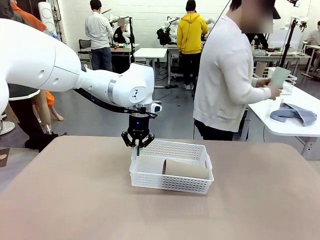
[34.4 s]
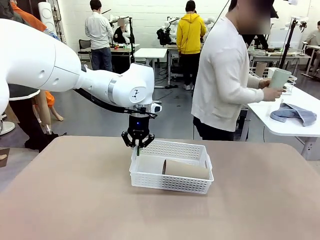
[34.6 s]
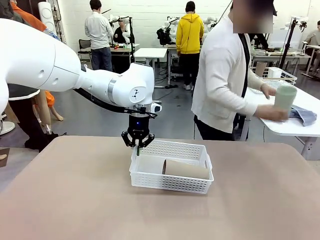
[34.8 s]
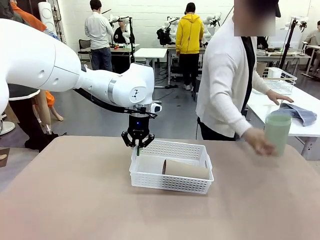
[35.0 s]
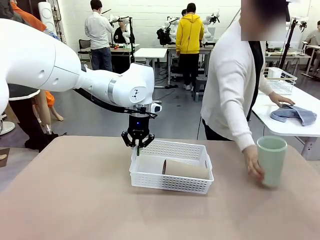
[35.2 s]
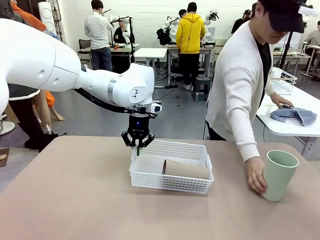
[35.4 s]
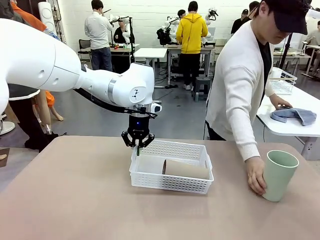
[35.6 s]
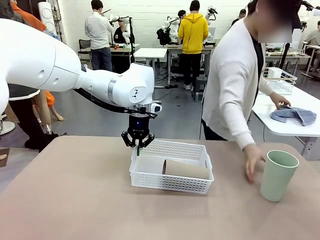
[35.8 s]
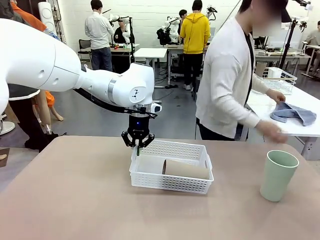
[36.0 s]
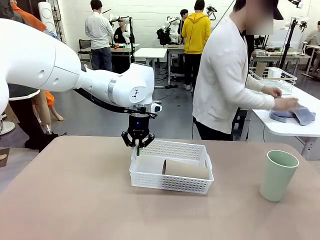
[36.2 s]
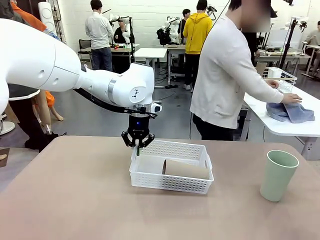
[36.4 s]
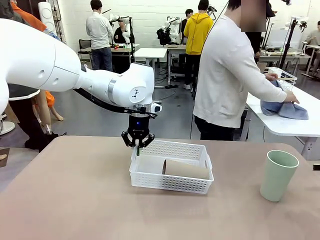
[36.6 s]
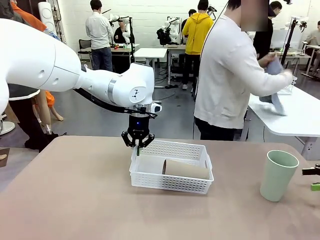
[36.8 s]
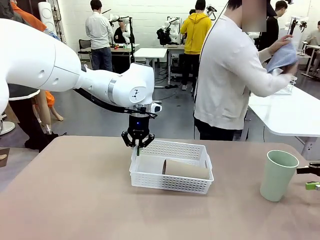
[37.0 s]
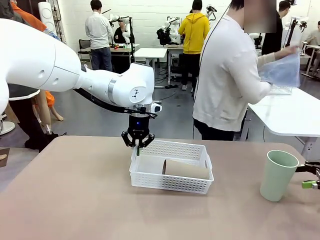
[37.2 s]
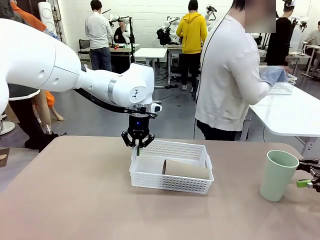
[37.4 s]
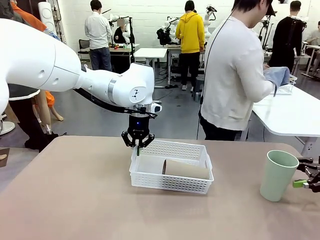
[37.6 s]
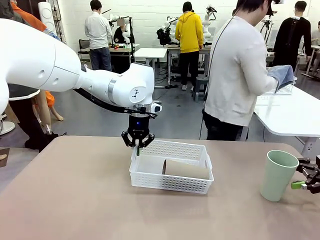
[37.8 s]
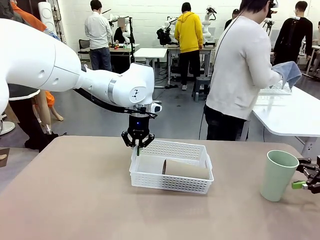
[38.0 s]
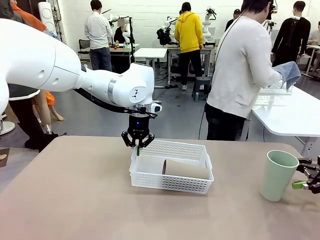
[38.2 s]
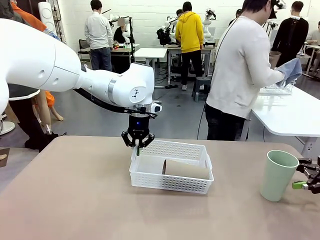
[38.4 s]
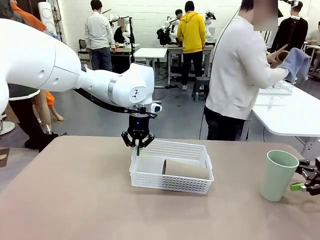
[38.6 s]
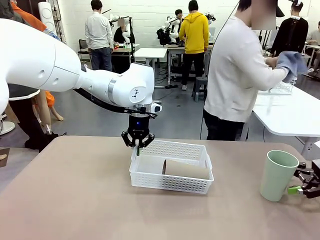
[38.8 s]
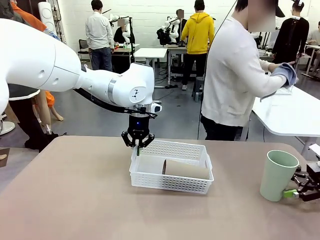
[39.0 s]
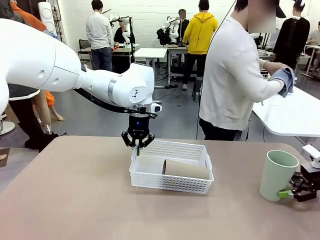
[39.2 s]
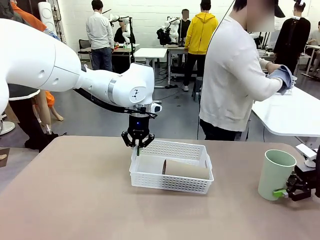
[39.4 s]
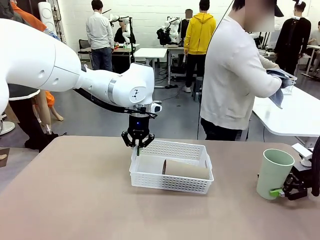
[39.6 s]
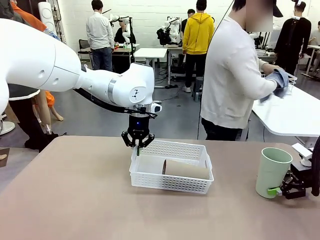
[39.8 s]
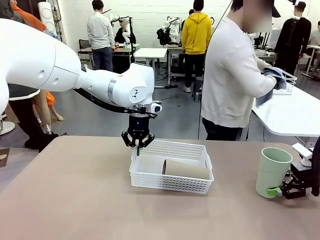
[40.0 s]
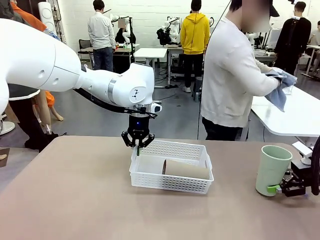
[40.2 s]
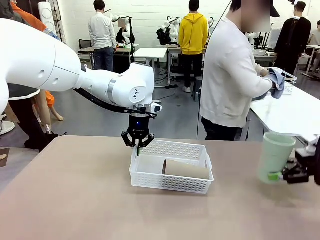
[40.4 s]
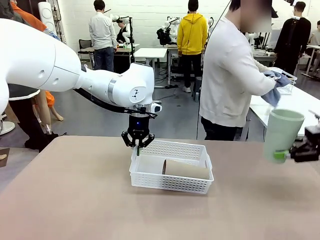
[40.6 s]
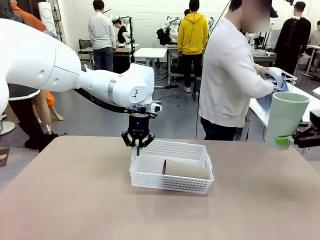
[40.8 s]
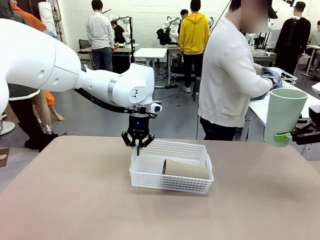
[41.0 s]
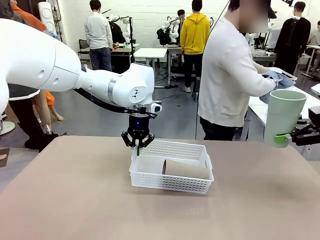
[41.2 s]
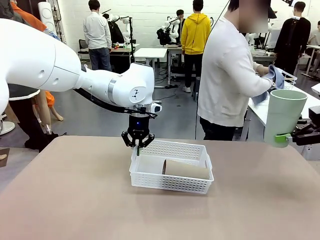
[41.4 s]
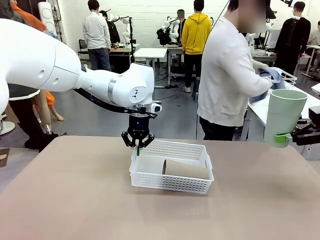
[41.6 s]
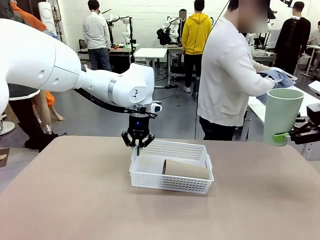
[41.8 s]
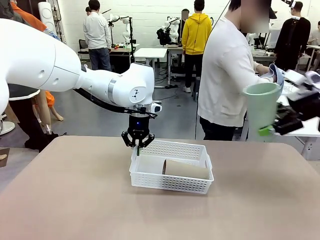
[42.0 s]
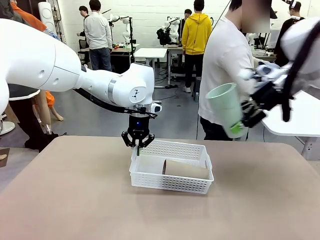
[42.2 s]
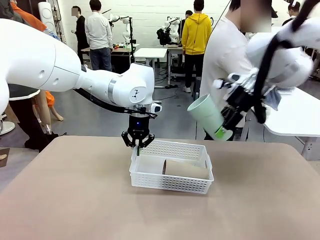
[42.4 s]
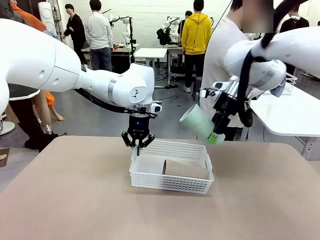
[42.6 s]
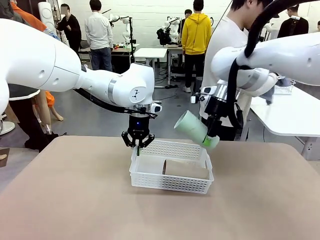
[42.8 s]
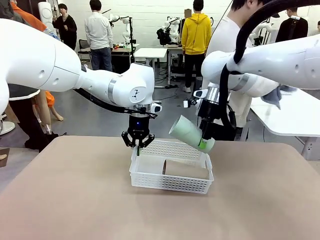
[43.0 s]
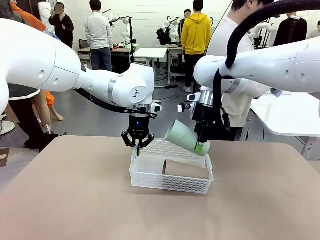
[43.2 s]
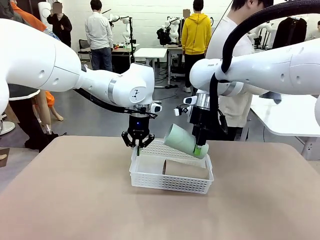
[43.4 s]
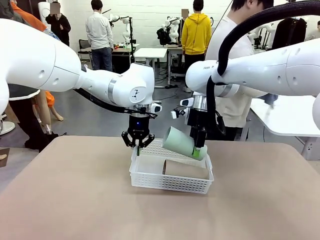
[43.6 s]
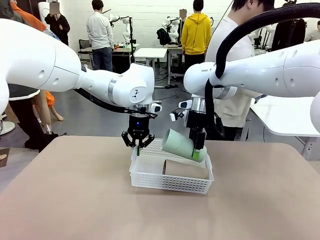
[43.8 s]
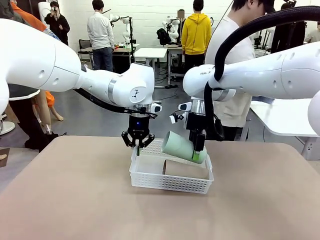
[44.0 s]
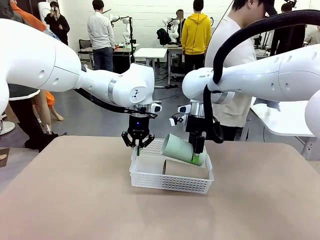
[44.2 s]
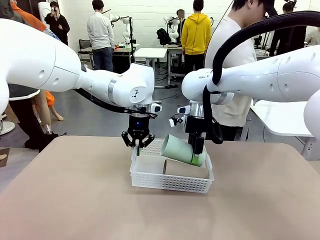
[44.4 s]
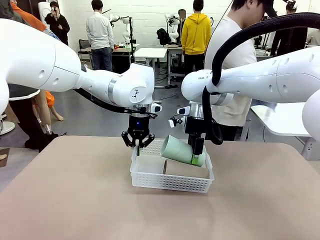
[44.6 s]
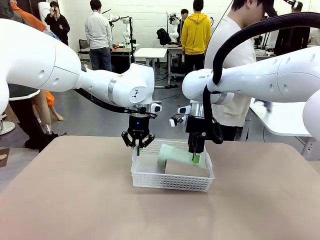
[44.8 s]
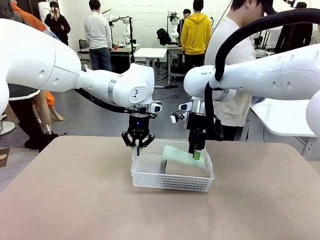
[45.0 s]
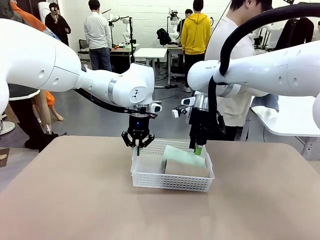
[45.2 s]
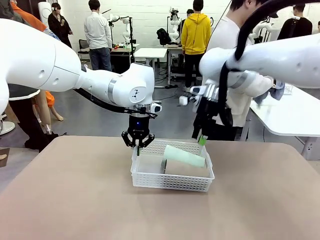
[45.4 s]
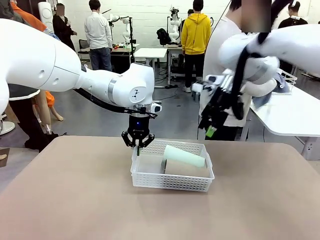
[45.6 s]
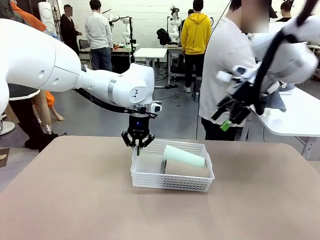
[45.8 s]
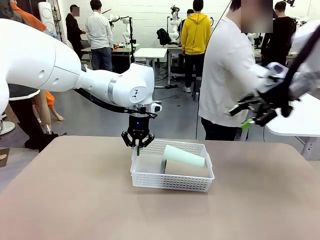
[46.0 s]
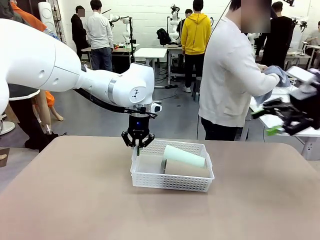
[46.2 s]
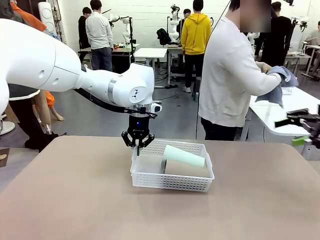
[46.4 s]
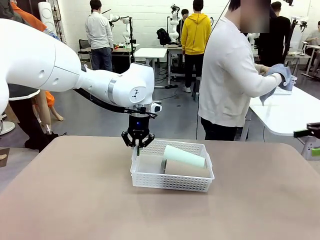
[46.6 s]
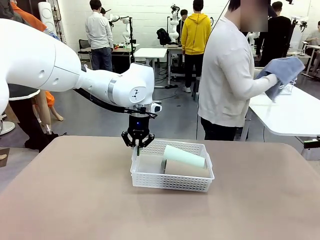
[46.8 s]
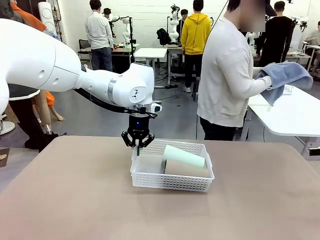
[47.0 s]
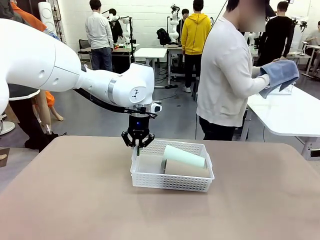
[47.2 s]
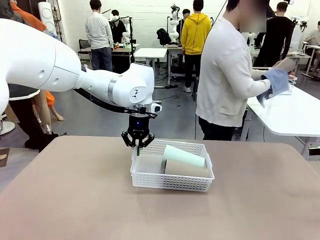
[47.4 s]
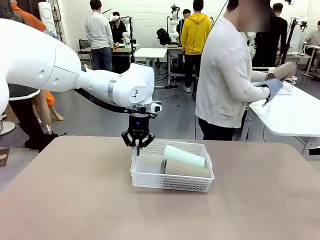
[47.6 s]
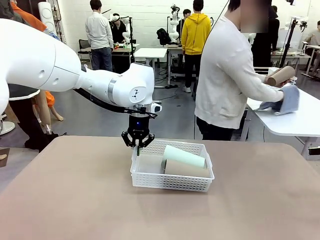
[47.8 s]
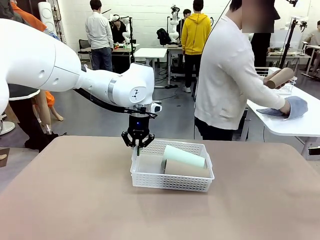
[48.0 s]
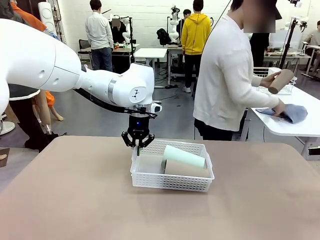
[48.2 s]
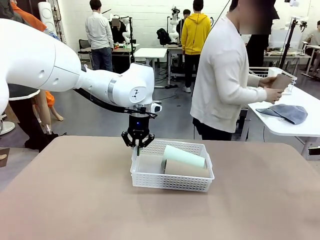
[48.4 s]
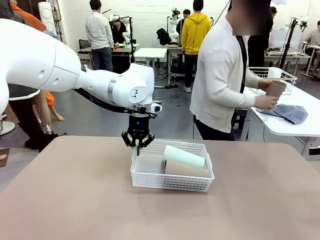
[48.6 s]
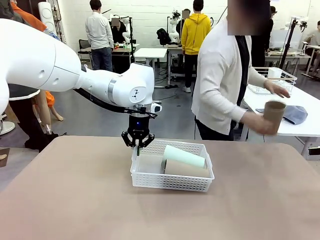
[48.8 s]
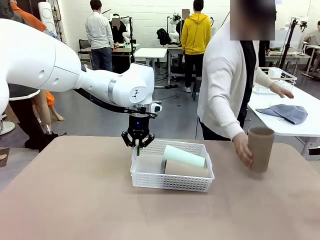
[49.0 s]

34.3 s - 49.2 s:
Task: Clean and organize the cups into the basket.
Robot: Pick up the Reusable plastic cup from the right side of the table and stack it inside the Organizing basket in the center of the table.
